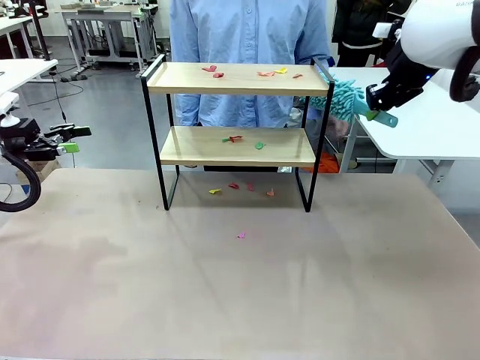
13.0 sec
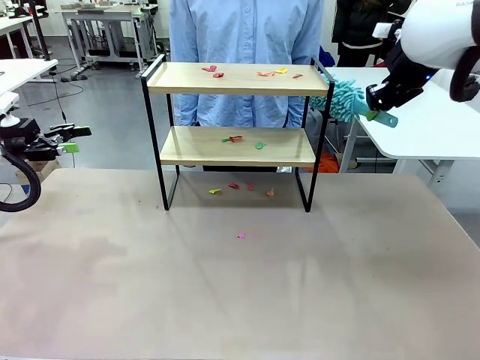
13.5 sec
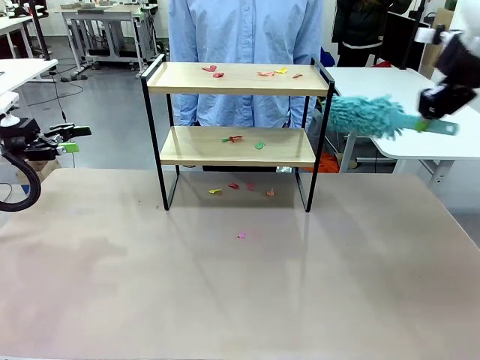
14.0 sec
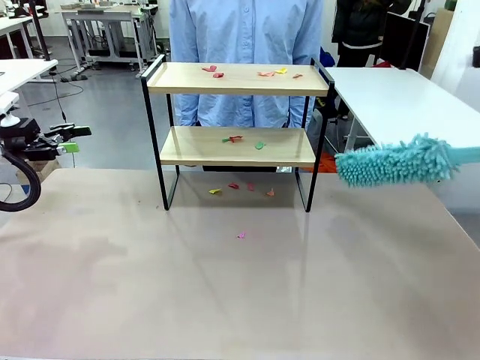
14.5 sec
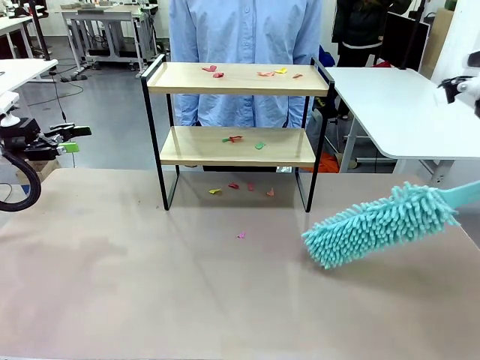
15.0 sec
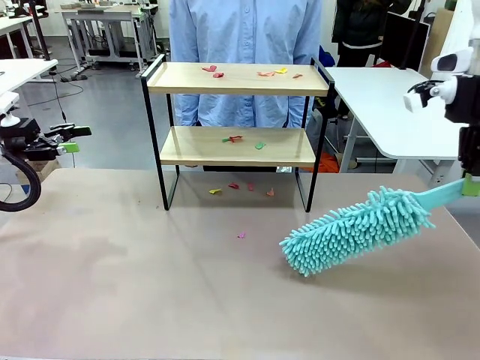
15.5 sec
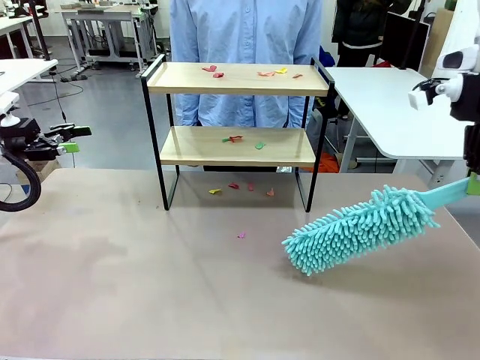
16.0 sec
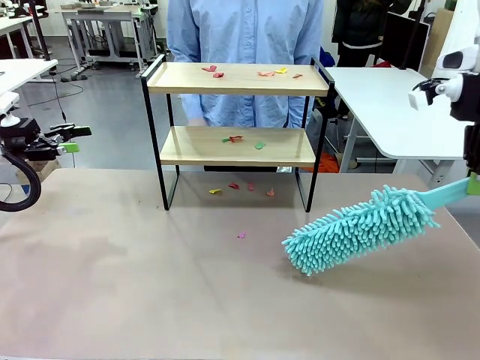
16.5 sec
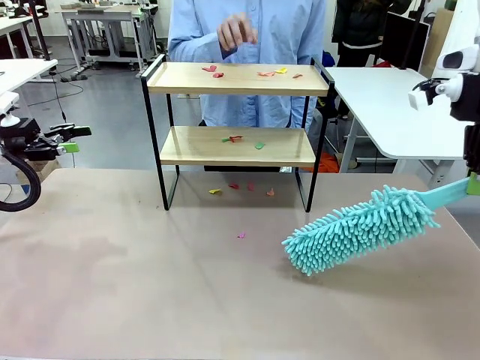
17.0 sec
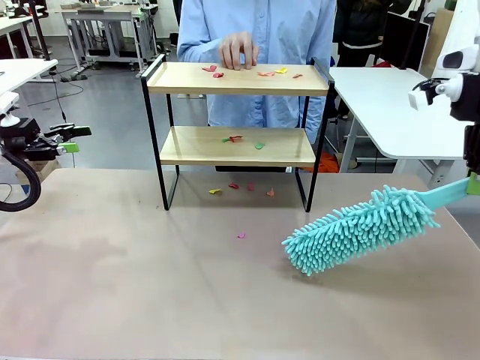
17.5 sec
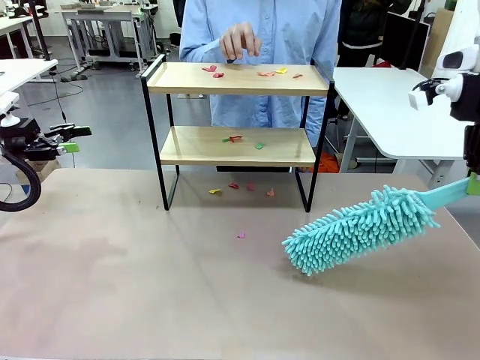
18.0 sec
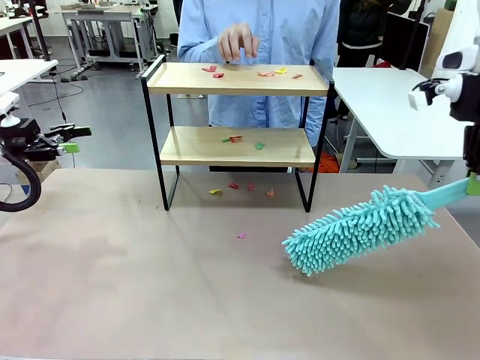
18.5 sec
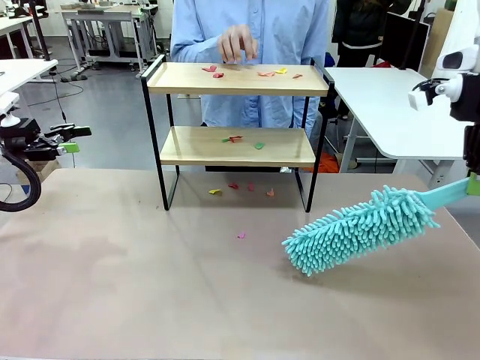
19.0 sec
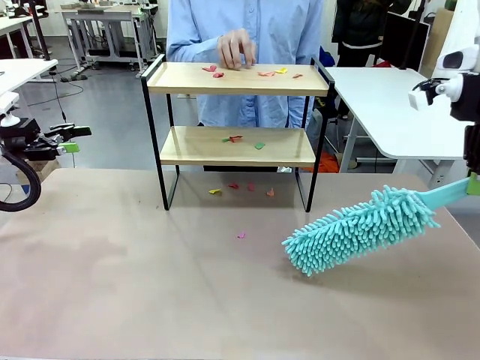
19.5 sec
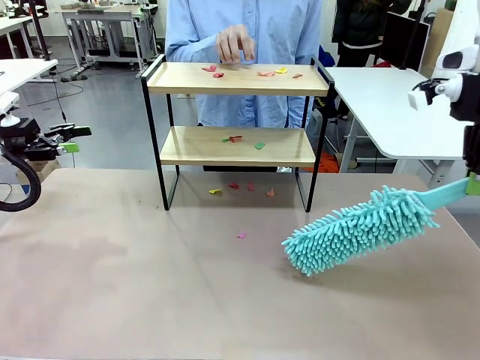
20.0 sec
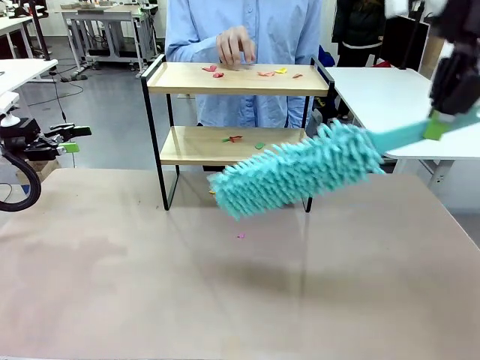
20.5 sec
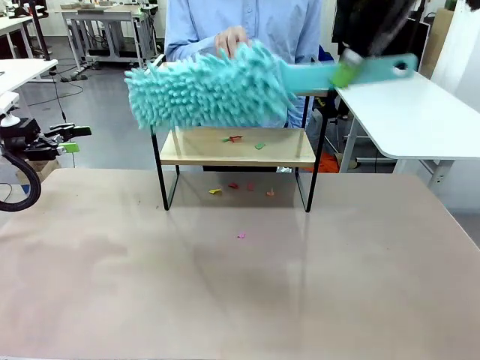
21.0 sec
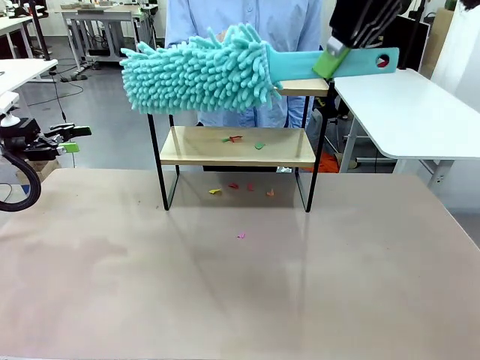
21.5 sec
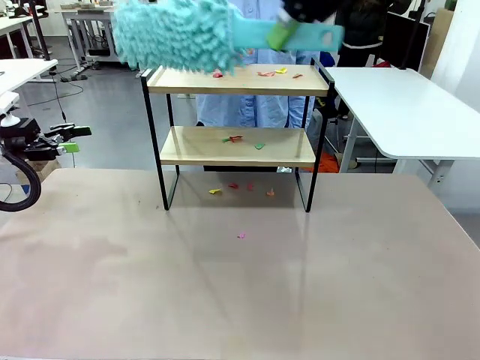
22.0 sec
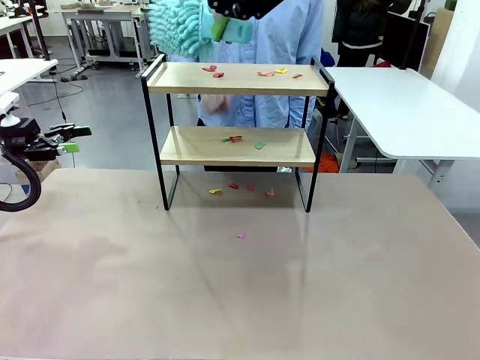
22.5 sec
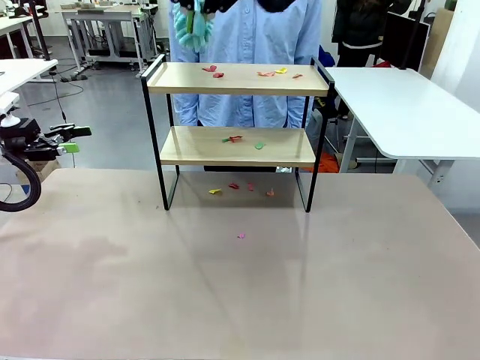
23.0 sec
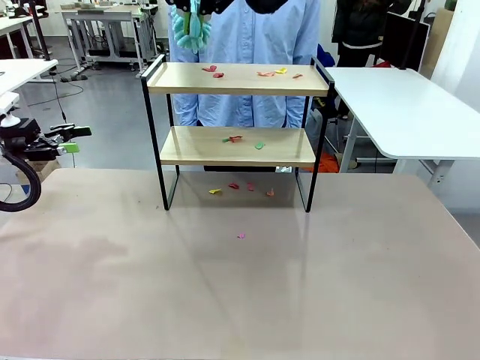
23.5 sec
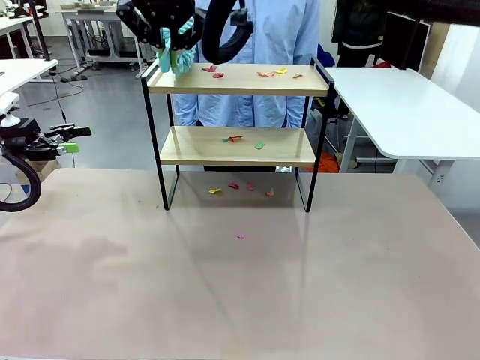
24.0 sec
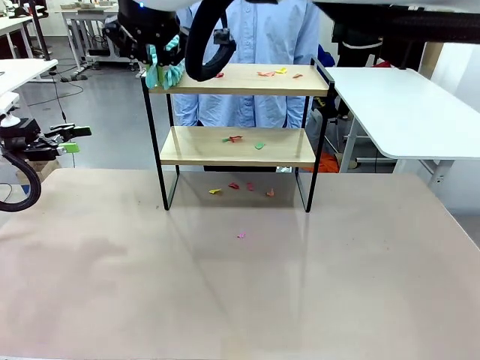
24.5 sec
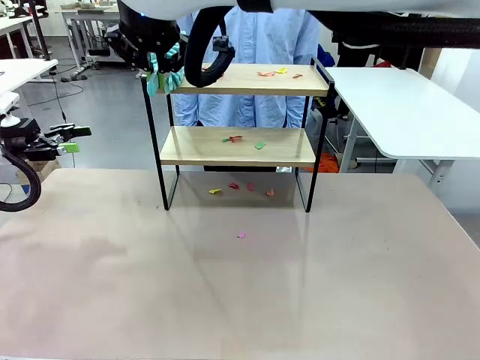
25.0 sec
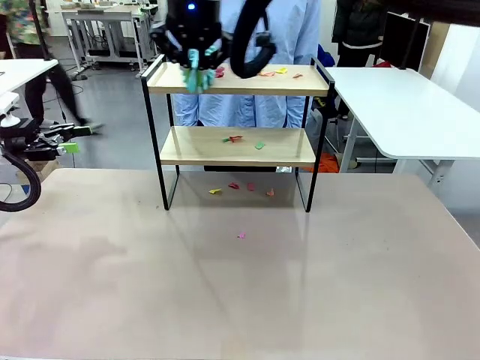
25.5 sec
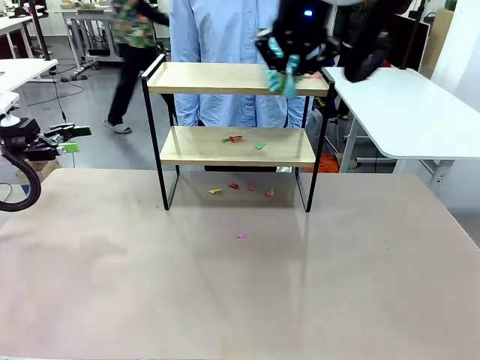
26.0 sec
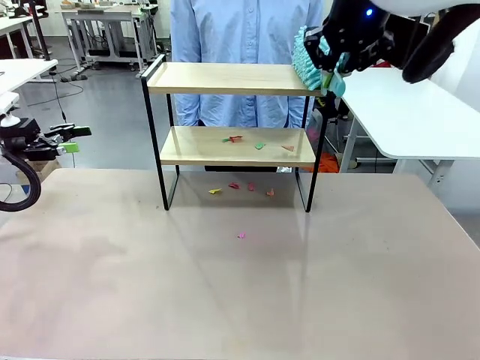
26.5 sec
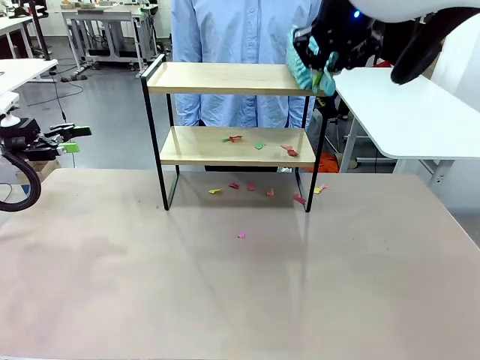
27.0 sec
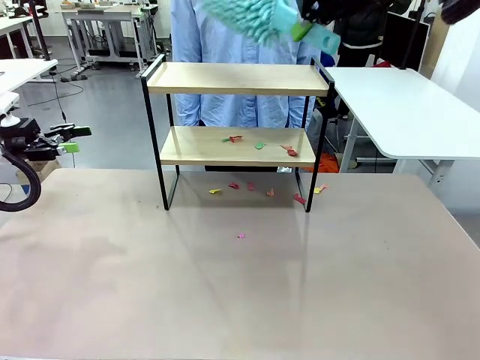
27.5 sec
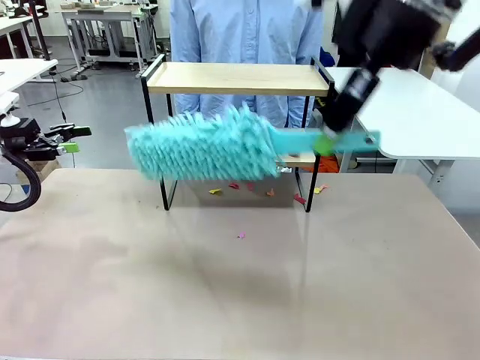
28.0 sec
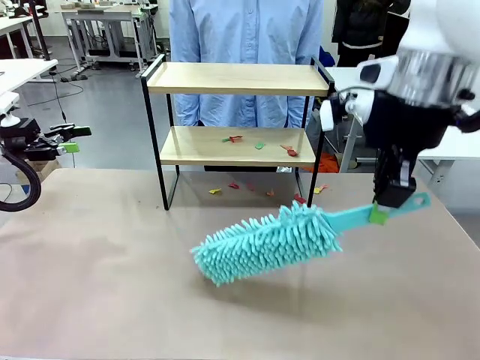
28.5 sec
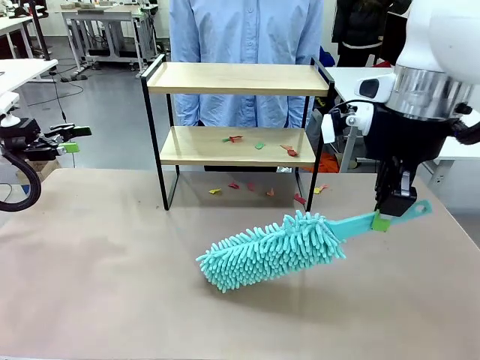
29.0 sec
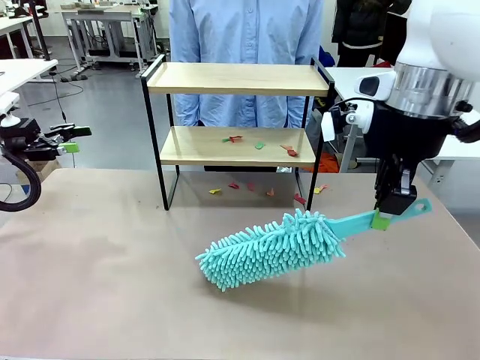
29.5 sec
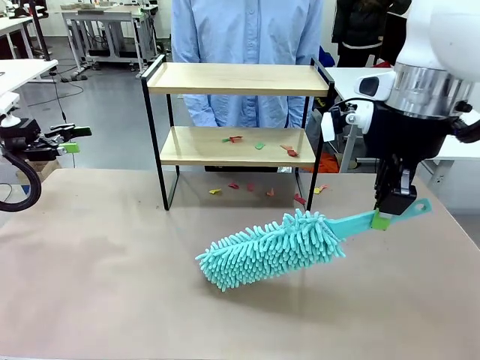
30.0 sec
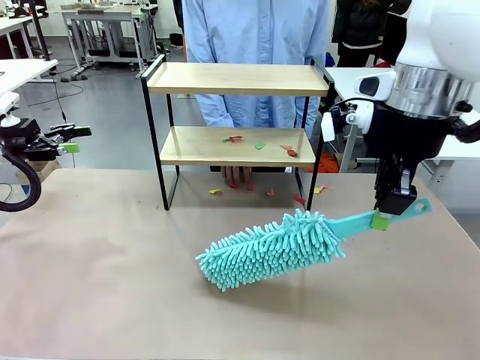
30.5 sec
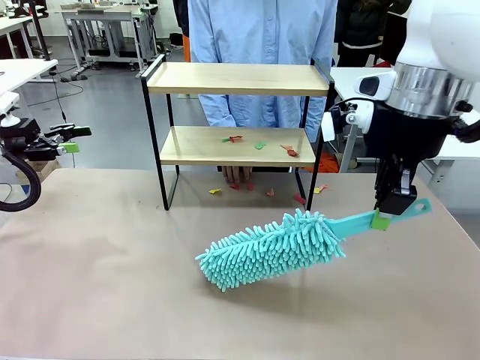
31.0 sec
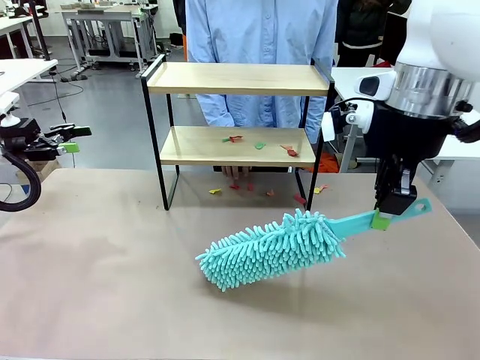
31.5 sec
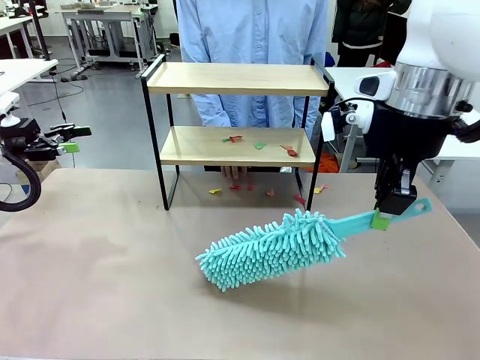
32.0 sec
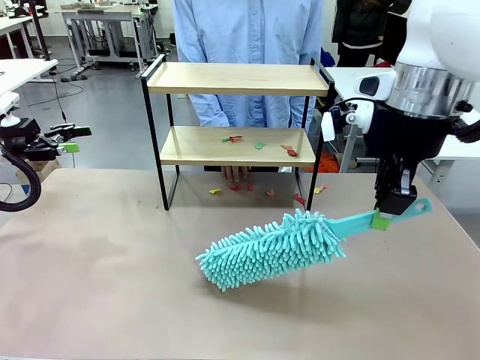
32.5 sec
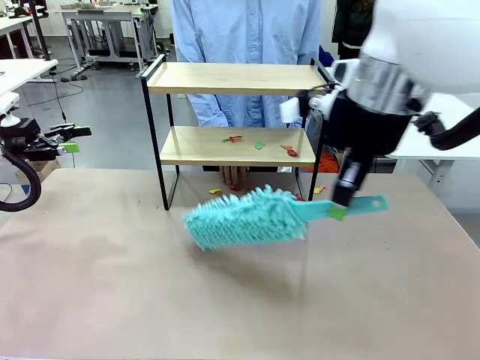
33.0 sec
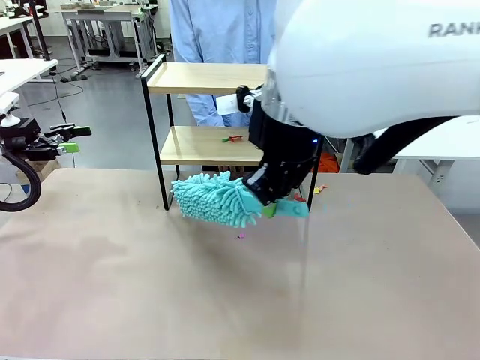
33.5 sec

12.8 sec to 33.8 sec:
Task: Clean the shelf.
Robot: Clean the specific section of the Shelf indicated by the human with the Duster.
Person: Point a random section of the Shelf.
